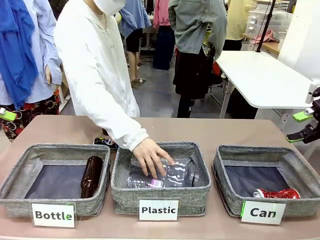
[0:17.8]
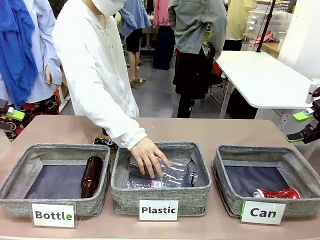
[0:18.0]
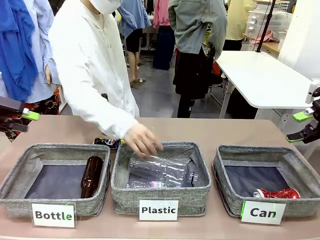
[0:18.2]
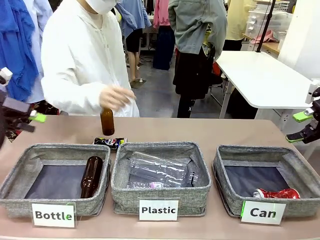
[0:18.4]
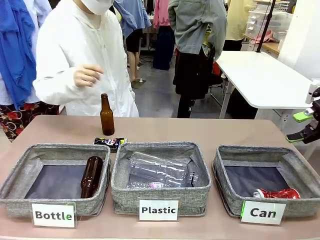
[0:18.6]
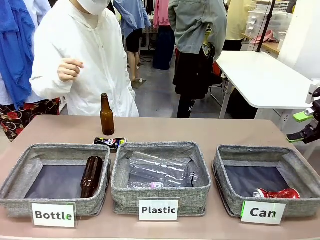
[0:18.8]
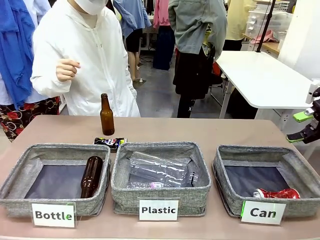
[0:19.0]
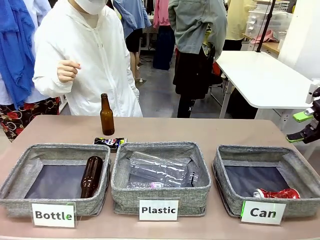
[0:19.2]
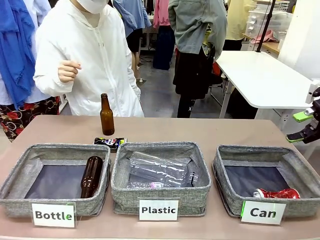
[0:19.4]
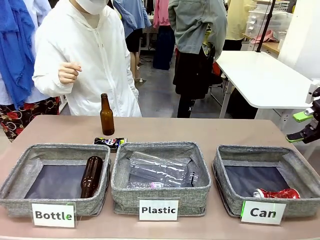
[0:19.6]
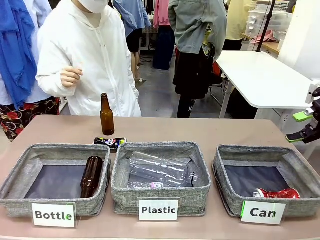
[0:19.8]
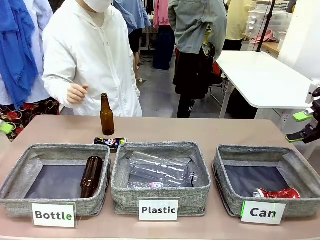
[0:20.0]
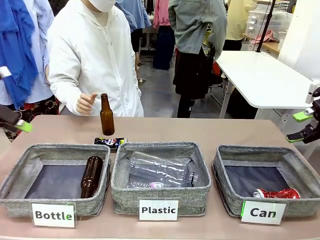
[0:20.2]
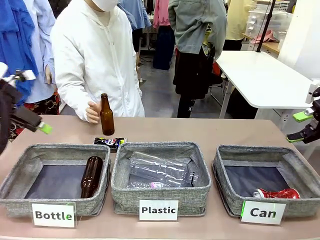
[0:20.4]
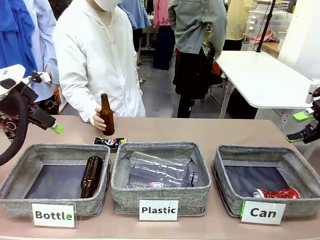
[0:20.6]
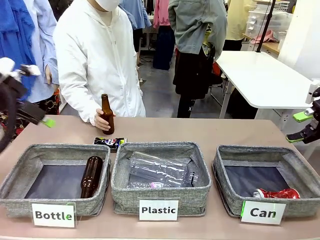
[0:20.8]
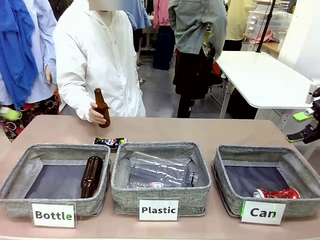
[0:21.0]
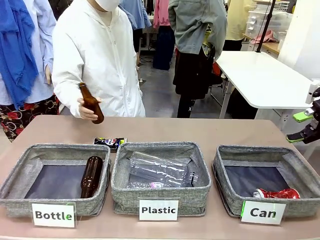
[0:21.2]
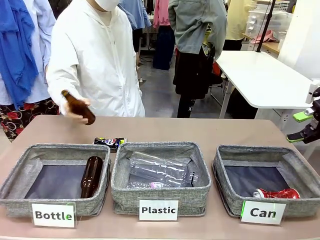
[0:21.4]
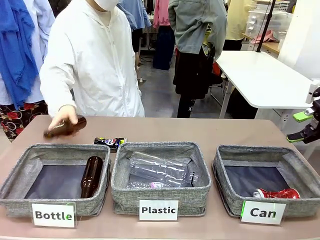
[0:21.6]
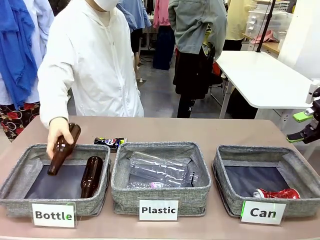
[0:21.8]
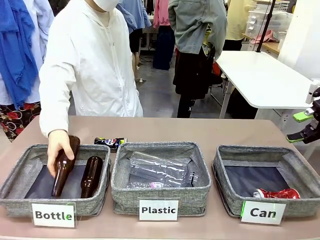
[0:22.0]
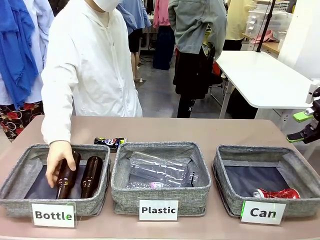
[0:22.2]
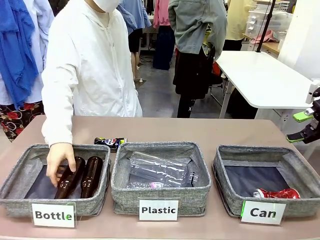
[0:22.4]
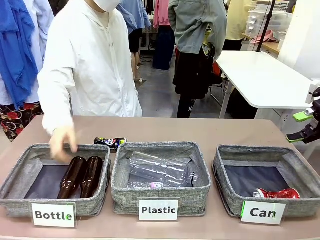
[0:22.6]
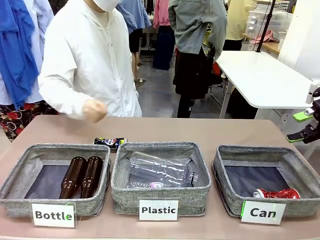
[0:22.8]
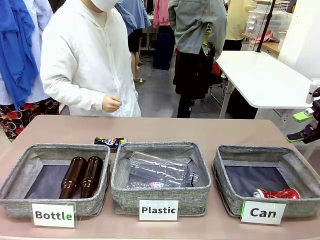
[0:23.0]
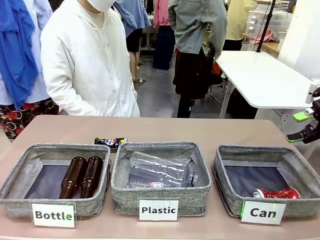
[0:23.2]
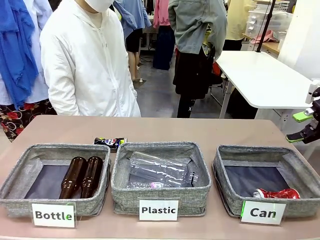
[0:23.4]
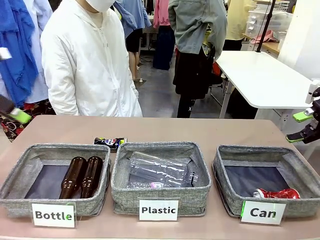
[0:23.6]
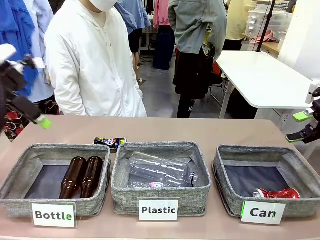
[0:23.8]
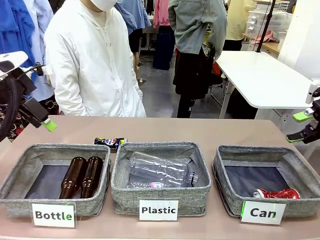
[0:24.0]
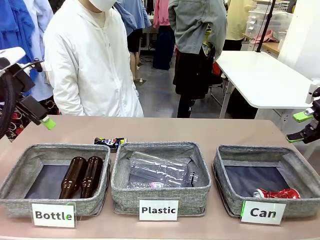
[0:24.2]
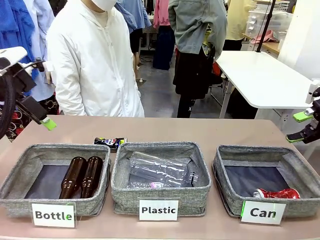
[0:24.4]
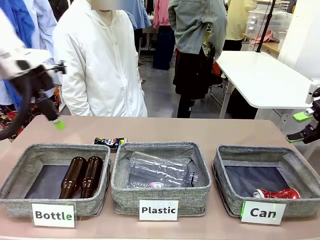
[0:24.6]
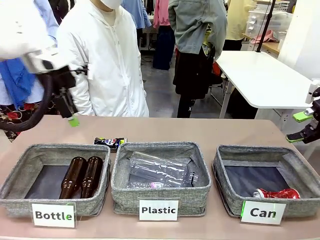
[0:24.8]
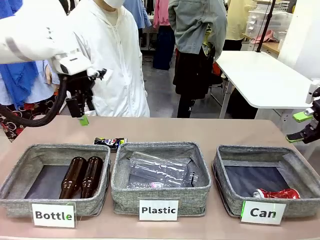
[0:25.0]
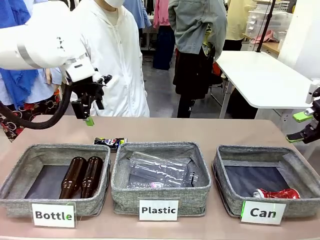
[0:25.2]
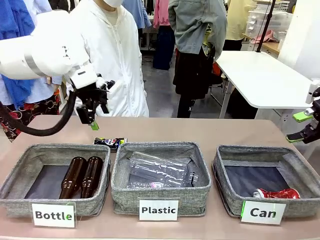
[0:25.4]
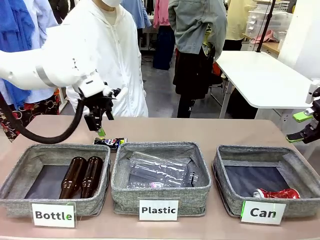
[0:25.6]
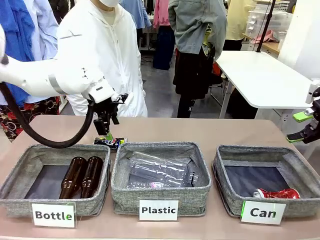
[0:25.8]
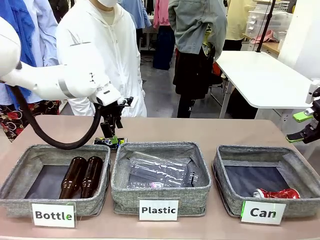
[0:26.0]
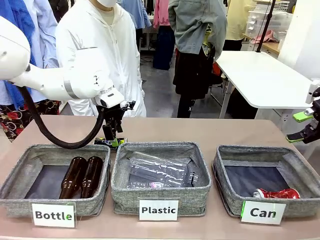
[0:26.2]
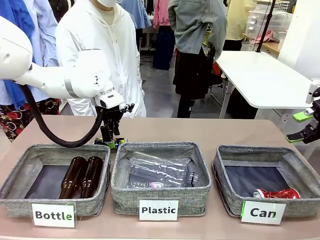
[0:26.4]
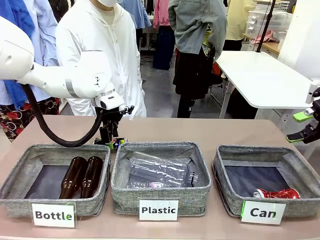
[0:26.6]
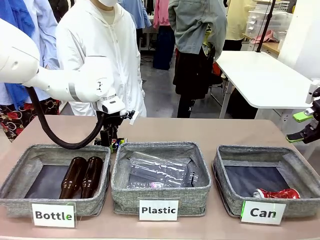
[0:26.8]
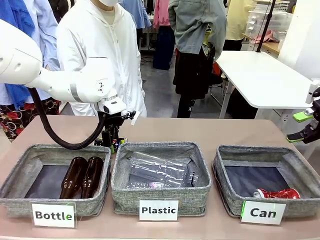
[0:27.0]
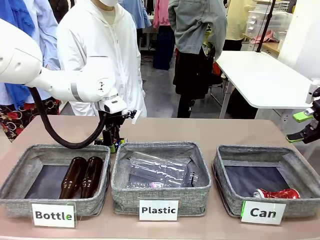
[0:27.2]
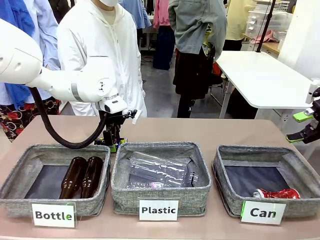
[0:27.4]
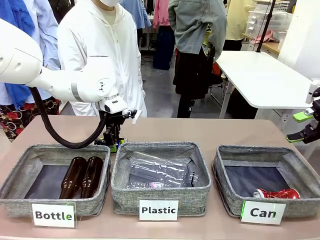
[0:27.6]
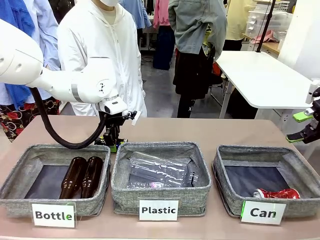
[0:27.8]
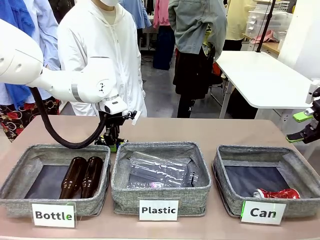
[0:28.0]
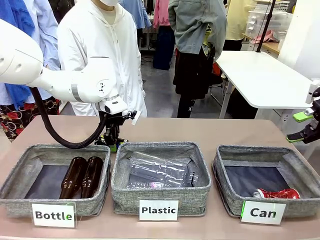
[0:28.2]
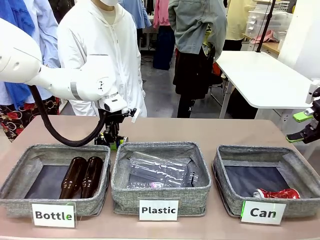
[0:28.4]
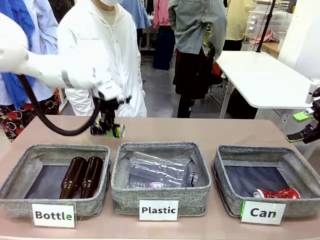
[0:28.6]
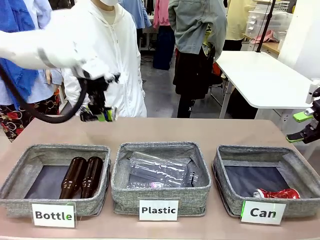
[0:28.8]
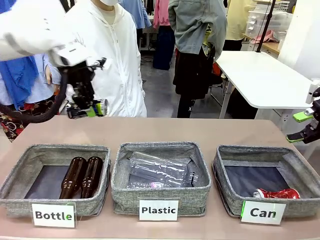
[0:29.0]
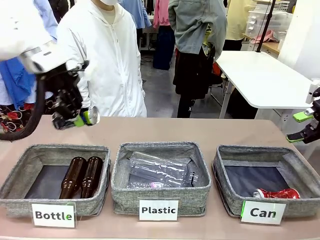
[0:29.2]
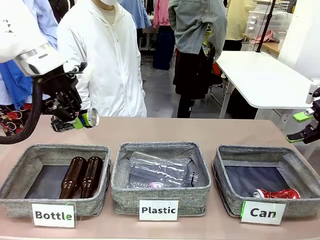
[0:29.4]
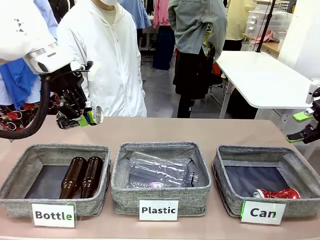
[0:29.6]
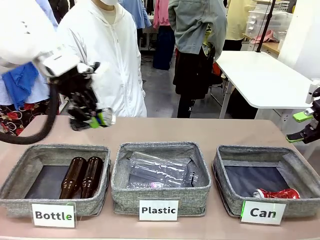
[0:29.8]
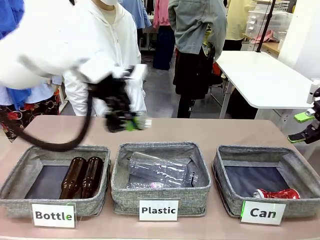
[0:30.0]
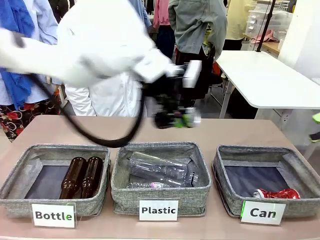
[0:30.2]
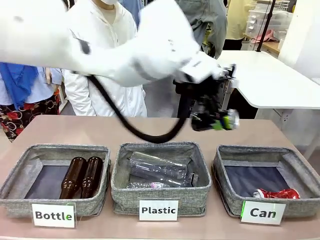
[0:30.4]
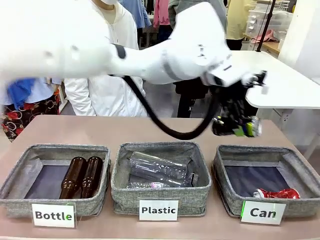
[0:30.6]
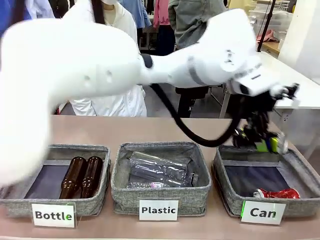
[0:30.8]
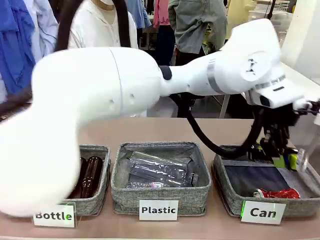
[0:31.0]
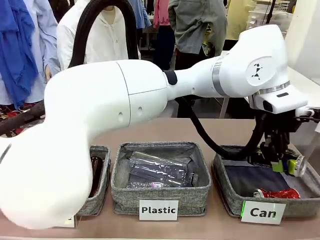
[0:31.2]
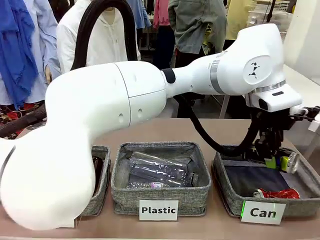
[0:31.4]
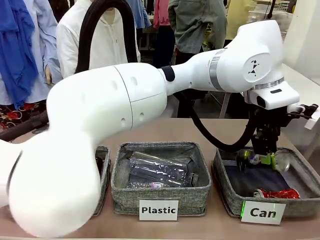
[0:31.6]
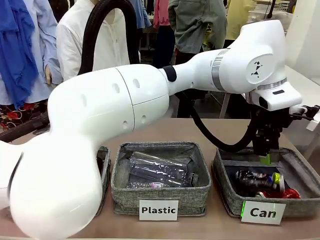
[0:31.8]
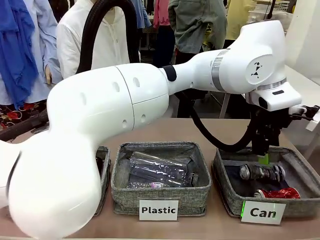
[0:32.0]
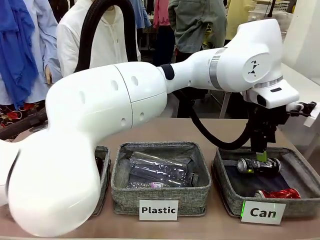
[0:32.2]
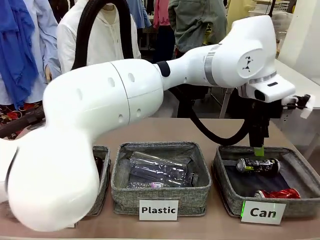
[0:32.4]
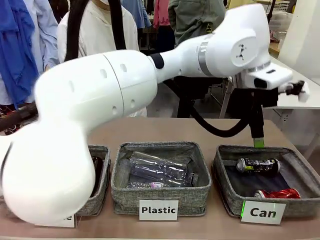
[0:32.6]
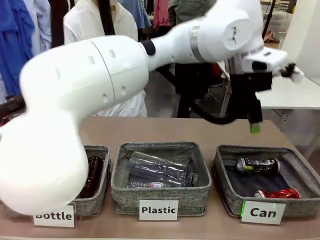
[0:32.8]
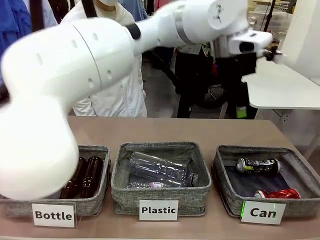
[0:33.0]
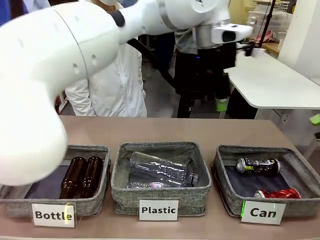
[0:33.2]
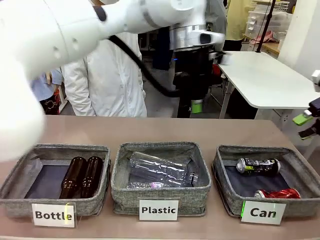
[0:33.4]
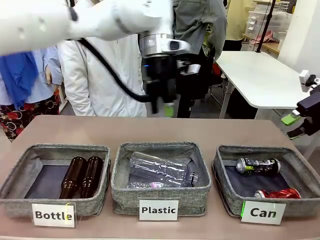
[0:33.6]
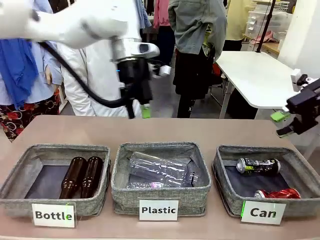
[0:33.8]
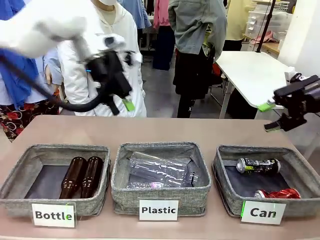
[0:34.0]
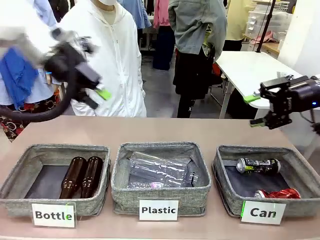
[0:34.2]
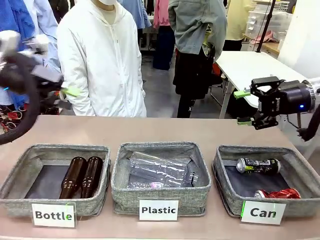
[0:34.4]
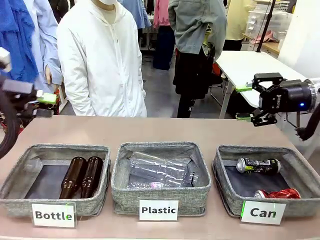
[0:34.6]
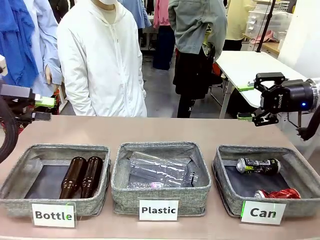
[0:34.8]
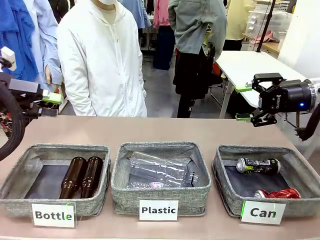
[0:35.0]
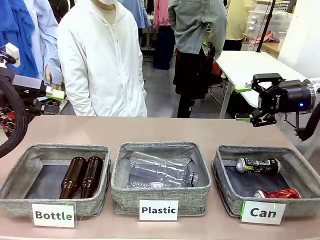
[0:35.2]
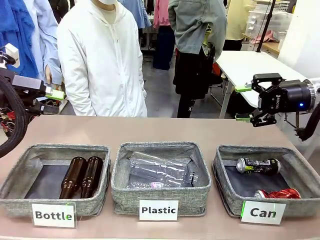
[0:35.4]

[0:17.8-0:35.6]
Task: Sort the can waste into the basket.
Robot: Pick up the can waste from the table and place it in the right Fabric basket.

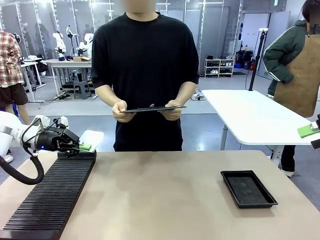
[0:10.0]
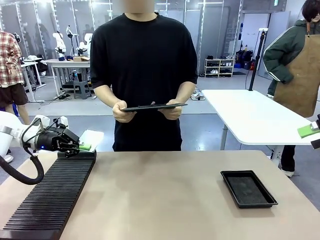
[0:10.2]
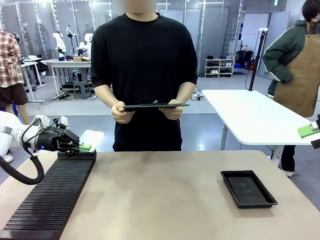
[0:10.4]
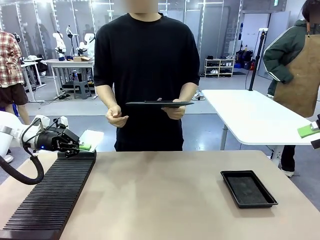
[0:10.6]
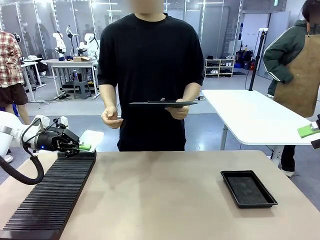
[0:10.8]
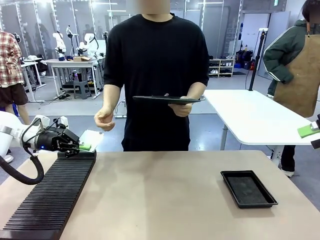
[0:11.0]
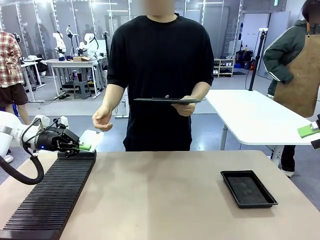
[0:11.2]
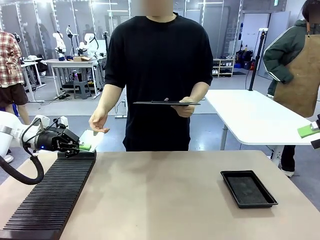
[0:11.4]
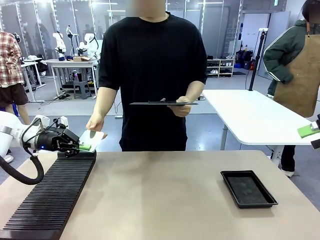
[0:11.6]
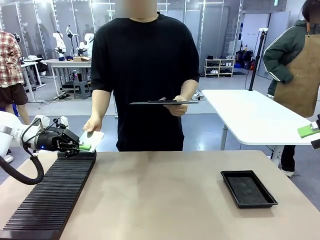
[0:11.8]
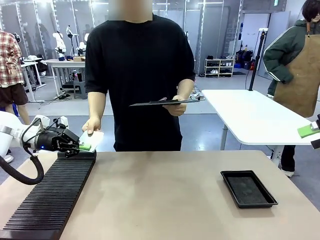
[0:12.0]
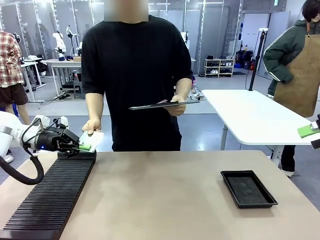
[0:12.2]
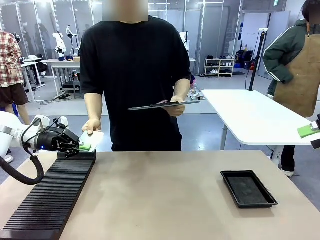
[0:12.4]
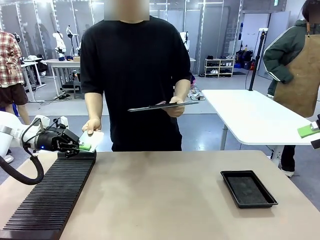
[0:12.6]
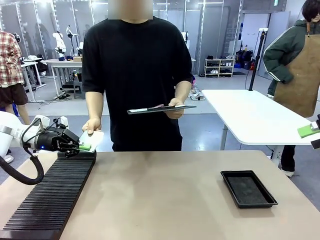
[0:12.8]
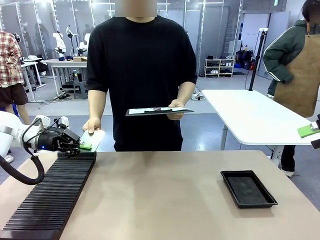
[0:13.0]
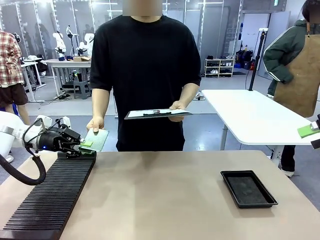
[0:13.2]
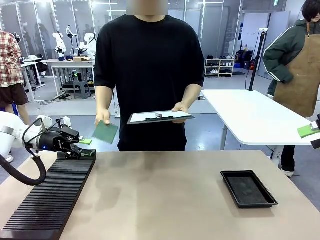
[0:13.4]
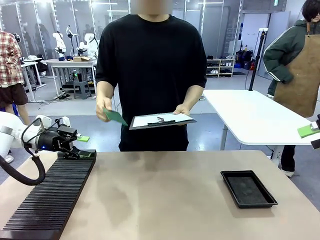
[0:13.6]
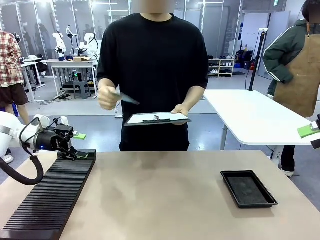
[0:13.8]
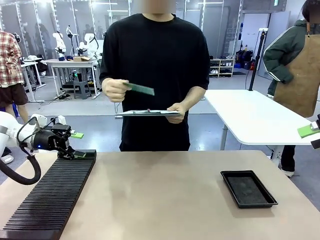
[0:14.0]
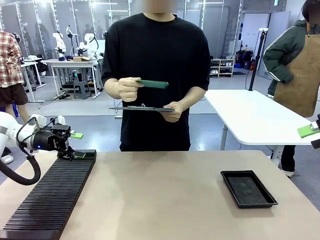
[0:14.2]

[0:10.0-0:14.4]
Task: Inspect the PCB.
Robot: Release the Blank PCB you were holding.
